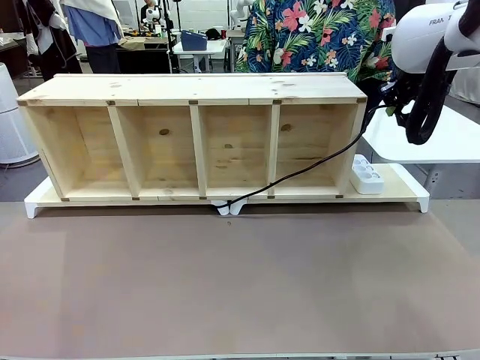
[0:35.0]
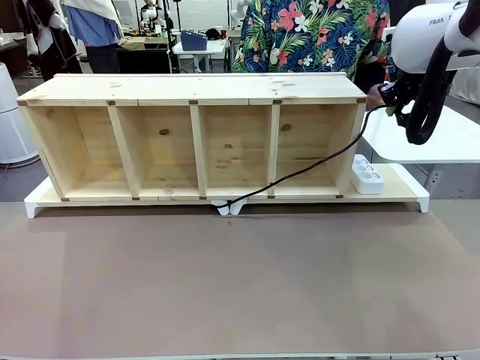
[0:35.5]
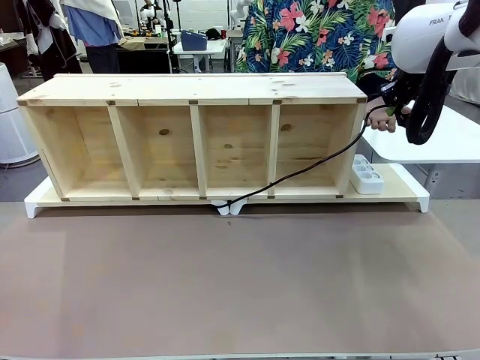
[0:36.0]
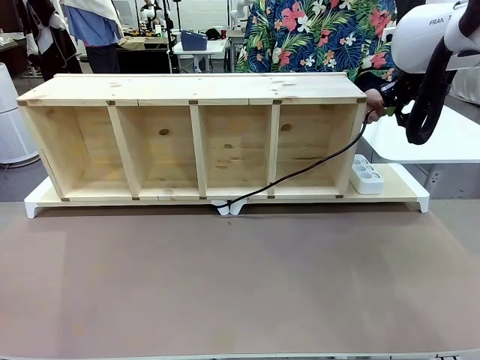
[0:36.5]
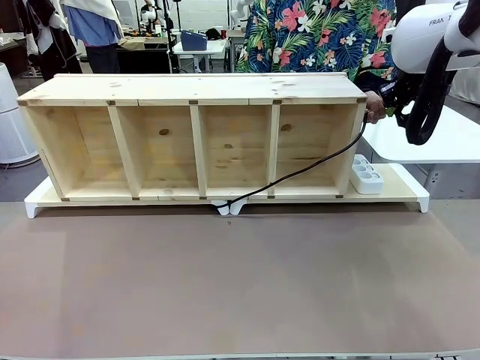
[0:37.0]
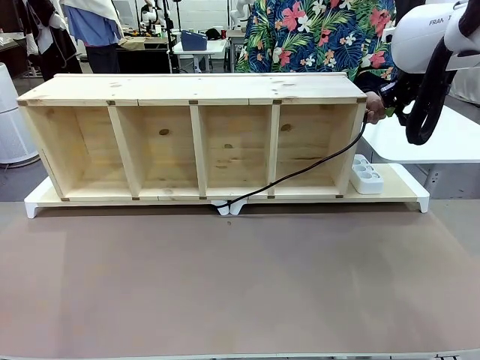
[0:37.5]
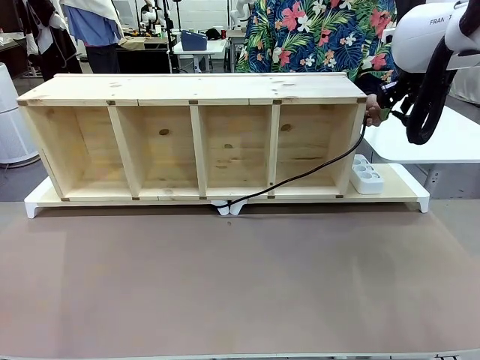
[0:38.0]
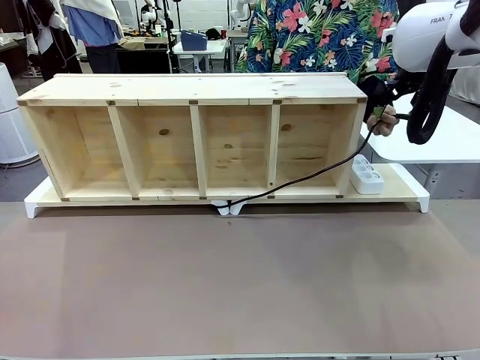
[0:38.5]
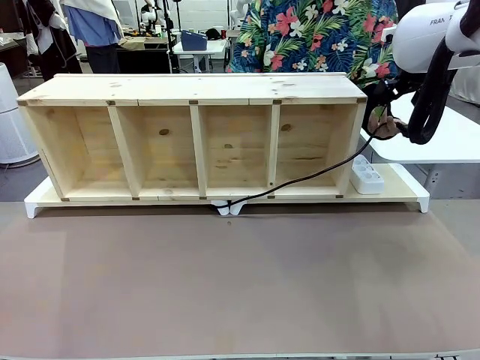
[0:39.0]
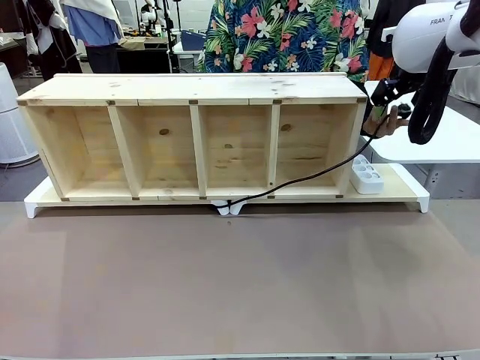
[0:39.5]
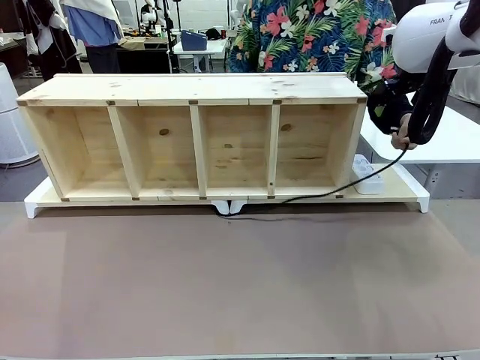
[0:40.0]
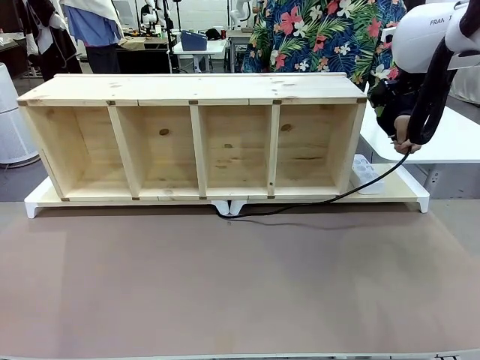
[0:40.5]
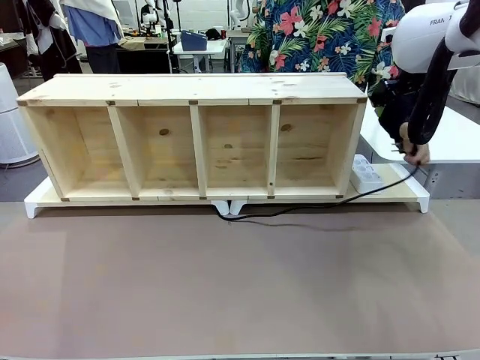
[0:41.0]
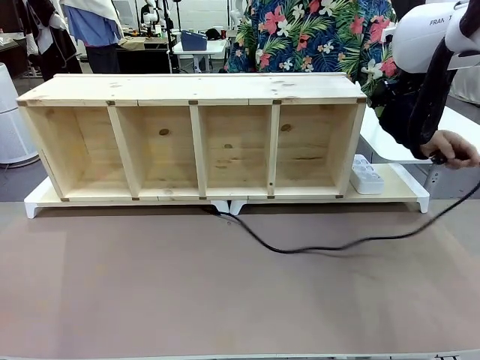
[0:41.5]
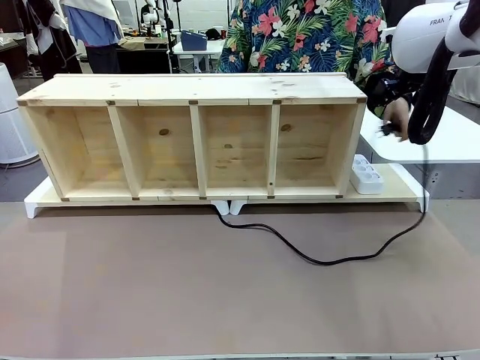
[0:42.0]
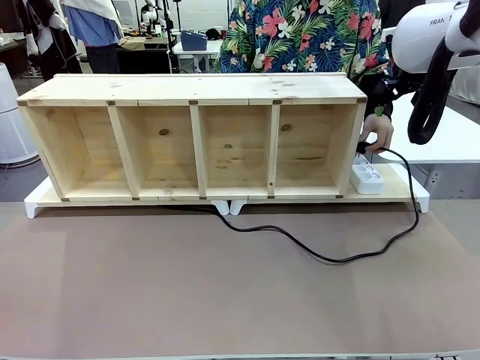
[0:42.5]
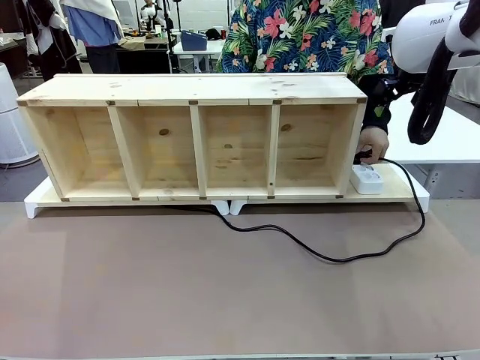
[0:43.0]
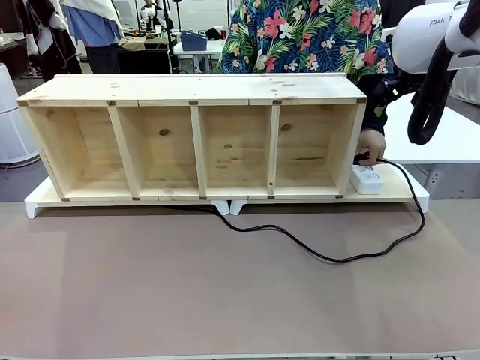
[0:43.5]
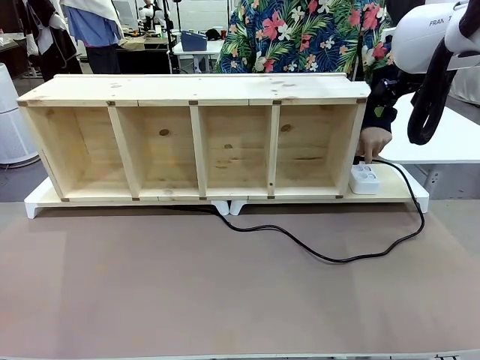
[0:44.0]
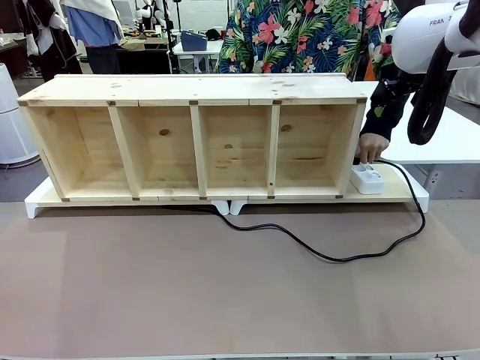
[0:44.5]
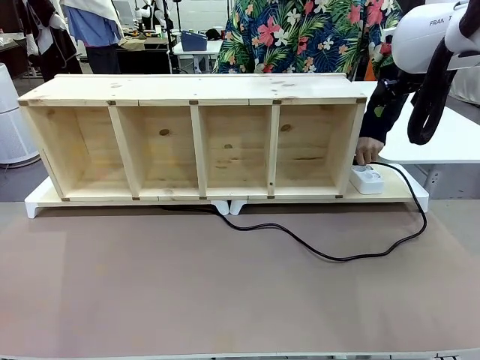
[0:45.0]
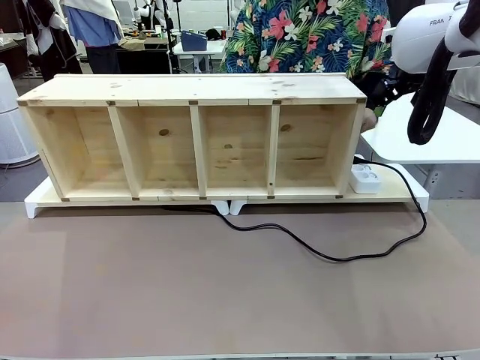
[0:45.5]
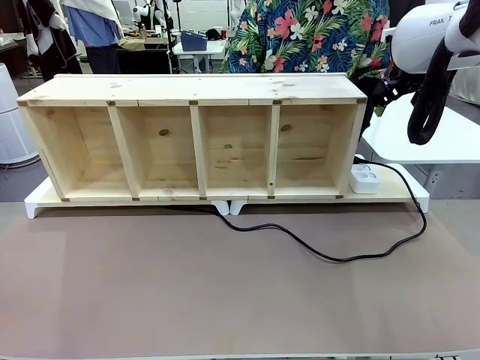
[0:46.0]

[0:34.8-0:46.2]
Task: Perform cable management.
Robot: Release the Power Cable when the human grasps it.
Person: Plug the Power Cable into the Power Strip.

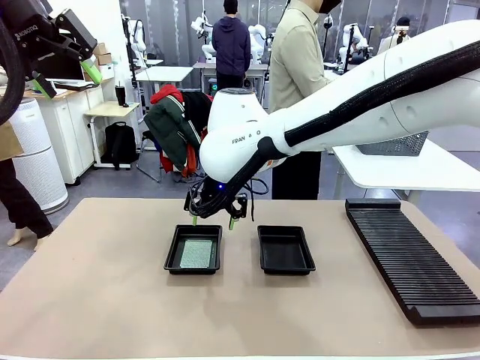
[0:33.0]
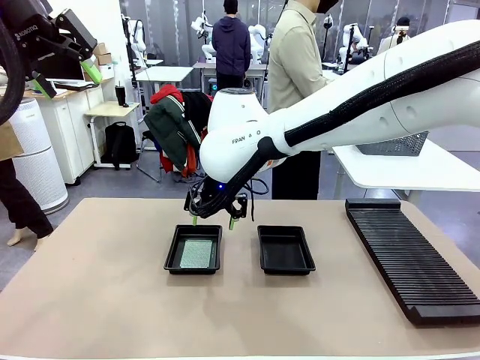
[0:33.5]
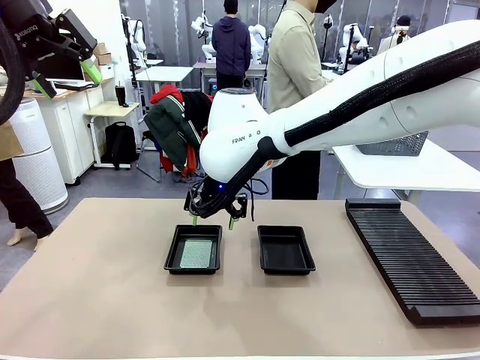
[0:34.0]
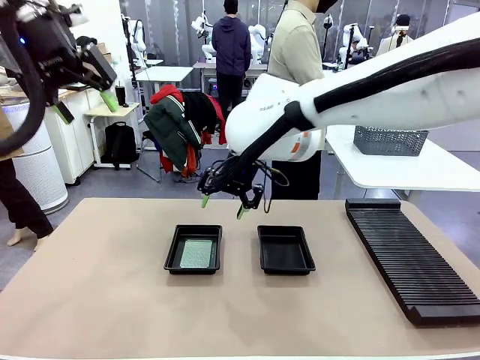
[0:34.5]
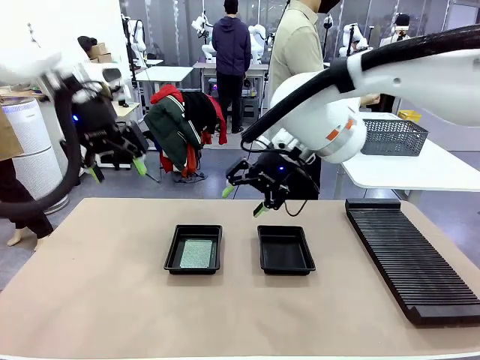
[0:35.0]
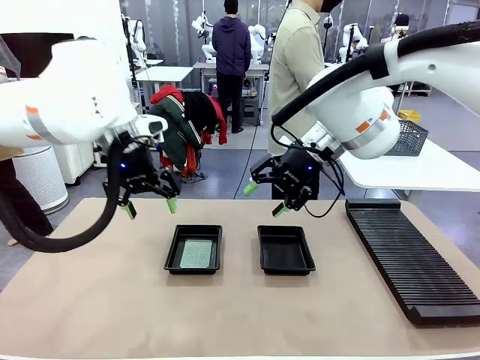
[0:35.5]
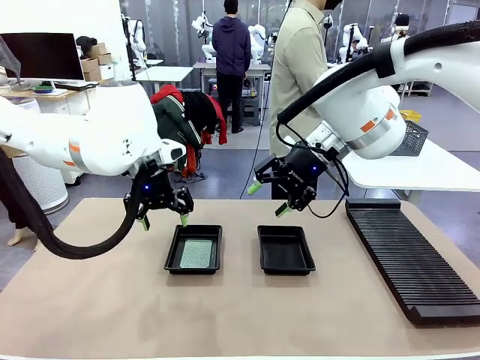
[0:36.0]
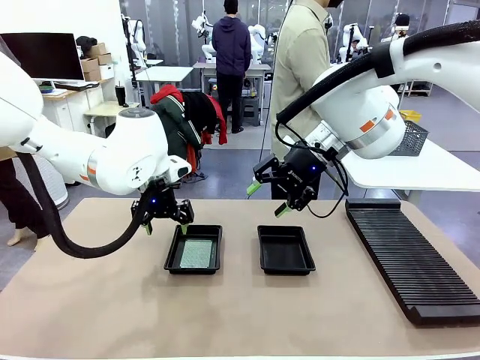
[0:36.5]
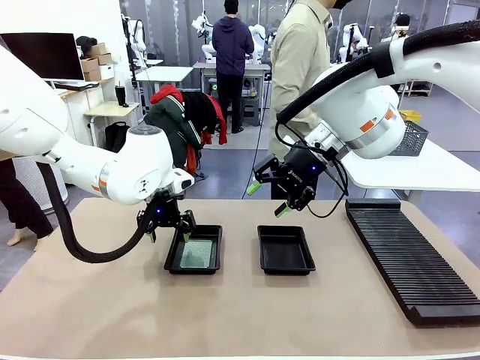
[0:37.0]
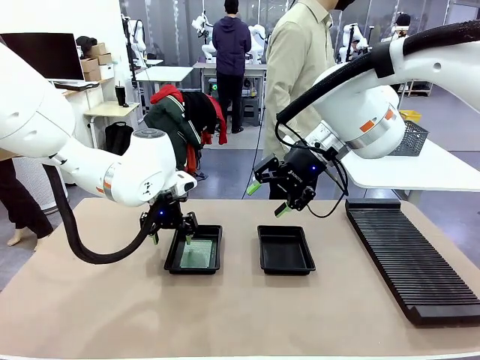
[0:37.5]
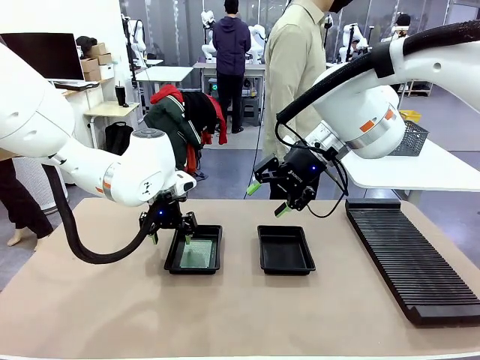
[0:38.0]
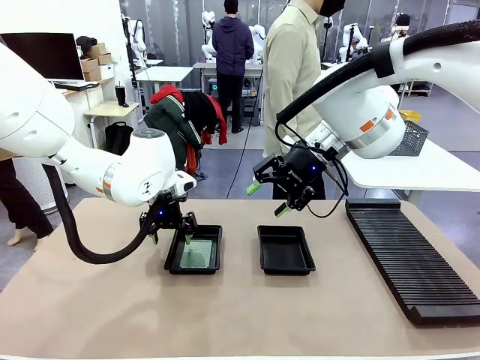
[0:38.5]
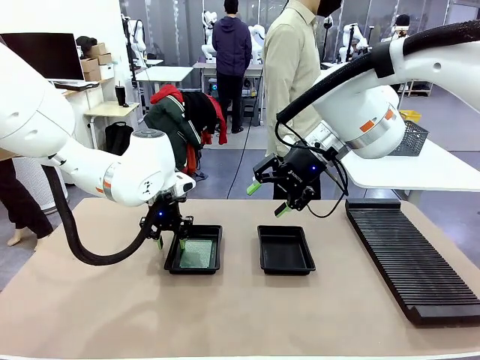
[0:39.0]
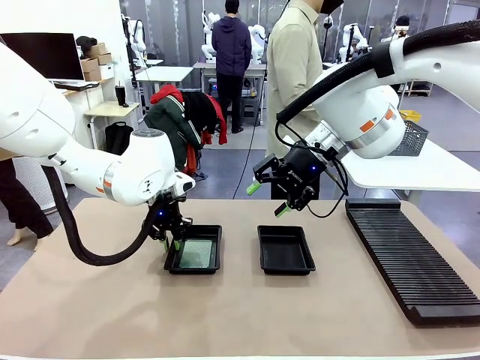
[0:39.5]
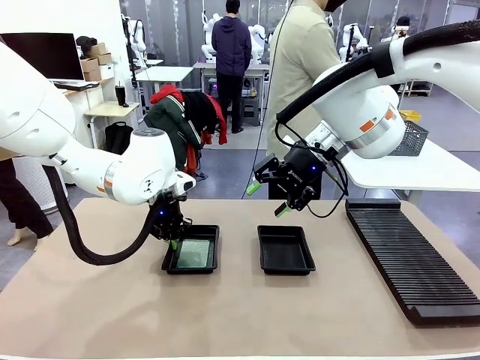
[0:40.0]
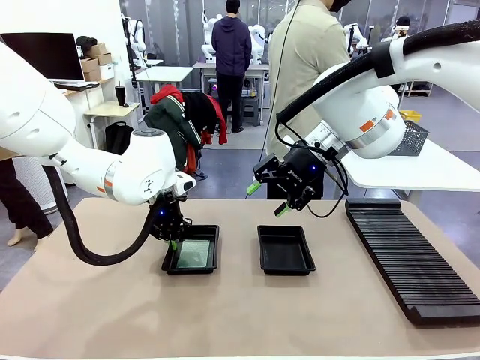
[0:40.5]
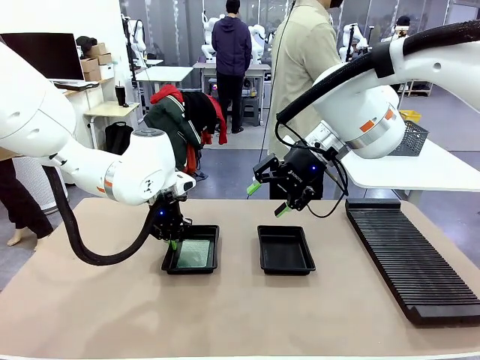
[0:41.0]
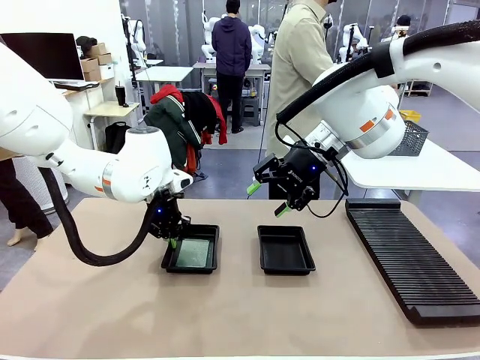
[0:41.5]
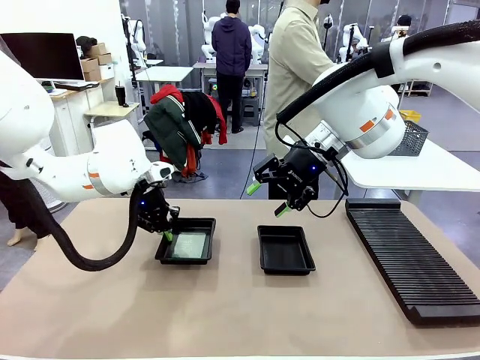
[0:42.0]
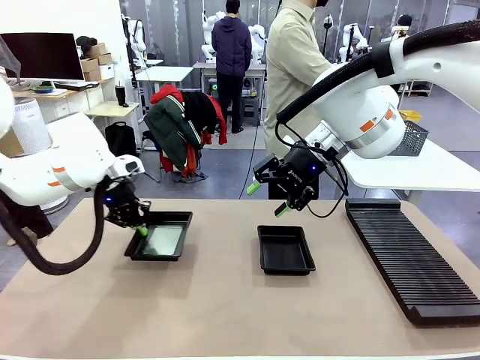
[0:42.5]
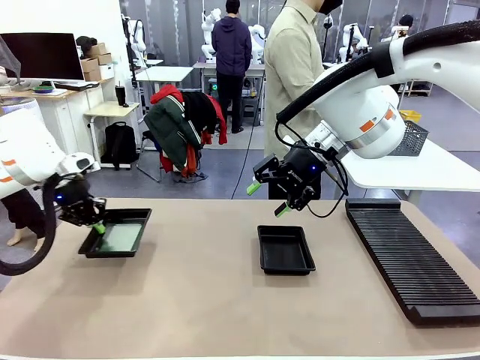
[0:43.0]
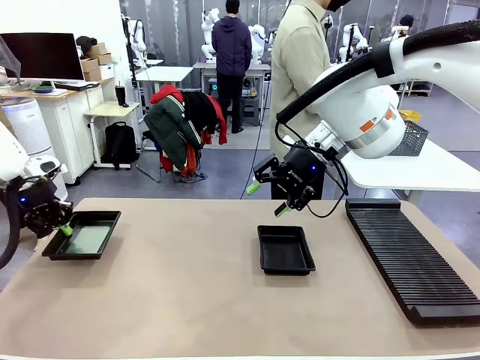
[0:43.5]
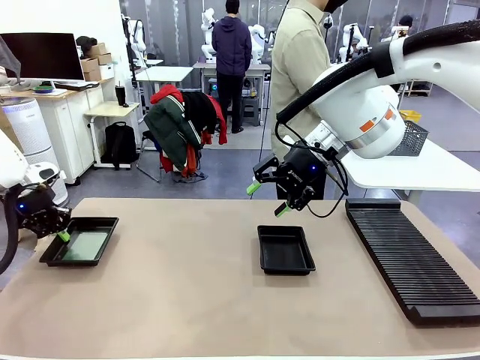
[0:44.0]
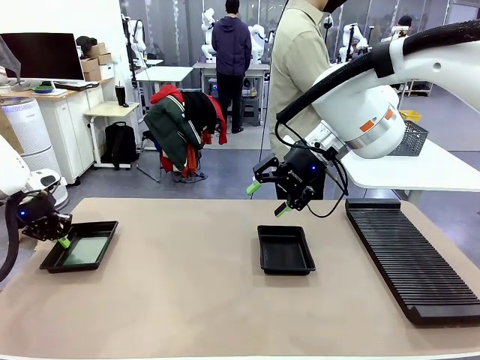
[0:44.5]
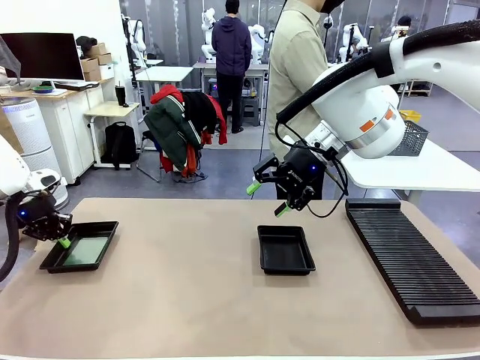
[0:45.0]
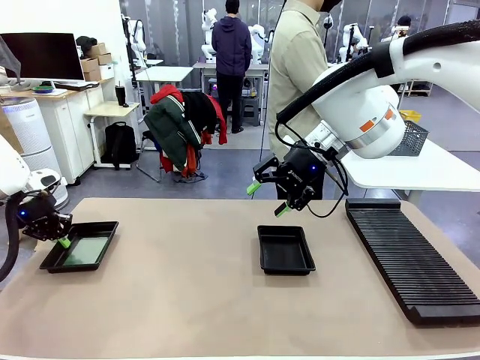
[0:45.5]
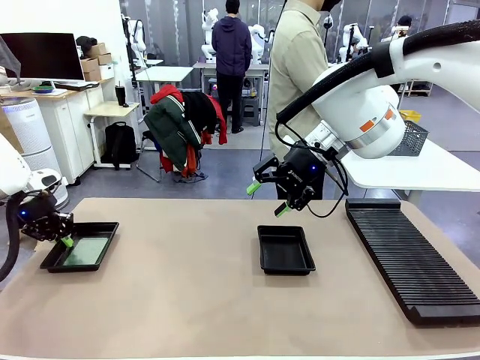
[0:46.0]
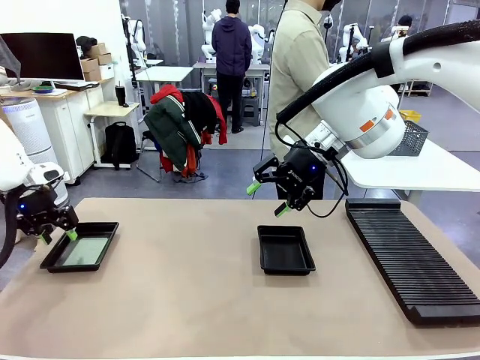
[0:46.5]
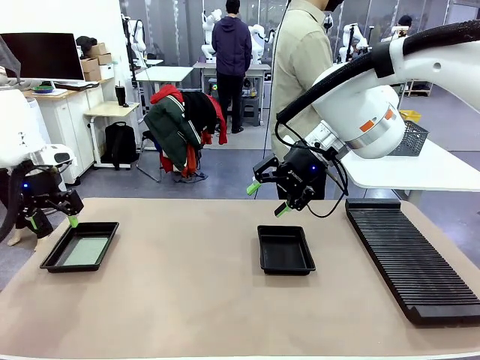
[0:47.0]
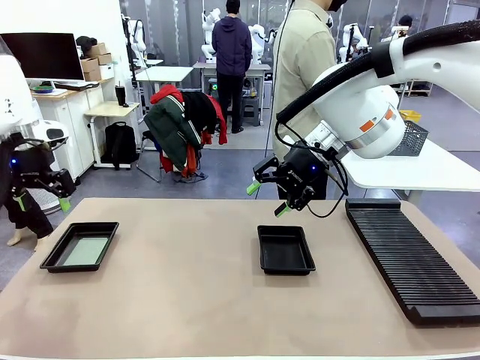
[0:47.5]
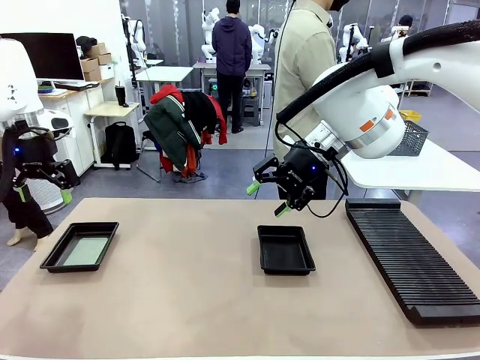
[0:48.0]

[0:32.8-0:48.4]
Task: Inspect and transfer BCBs to ESD trays.
Robot: Pick up the ESD tray and place it on the left side of the table.
